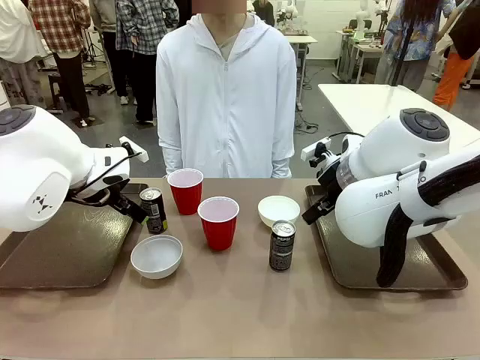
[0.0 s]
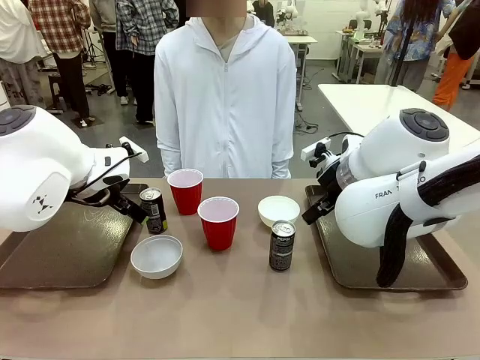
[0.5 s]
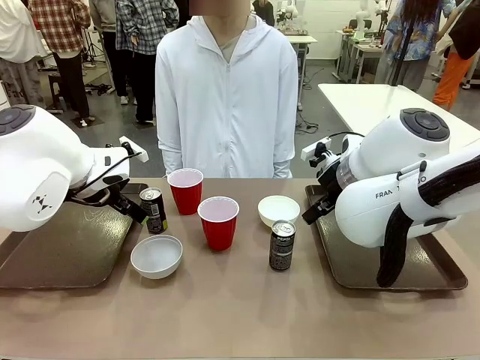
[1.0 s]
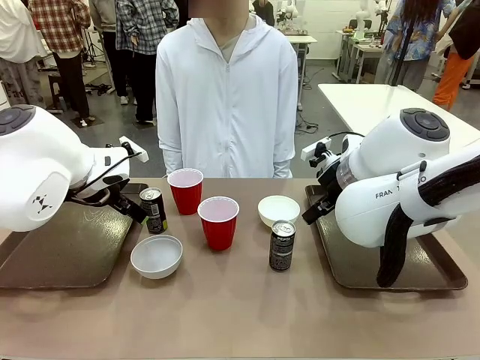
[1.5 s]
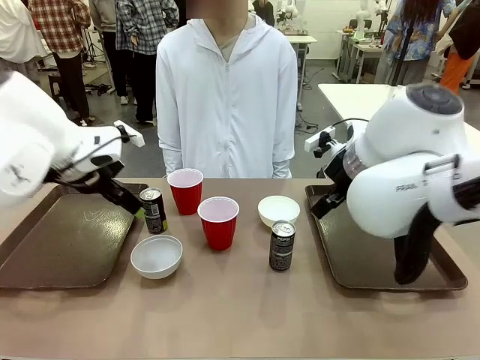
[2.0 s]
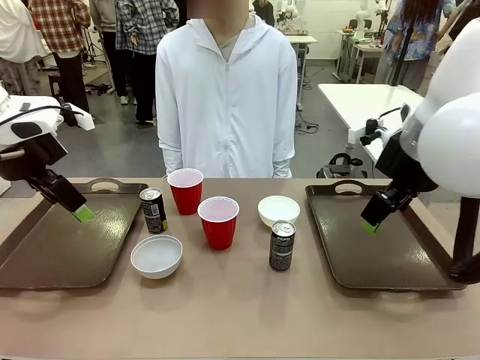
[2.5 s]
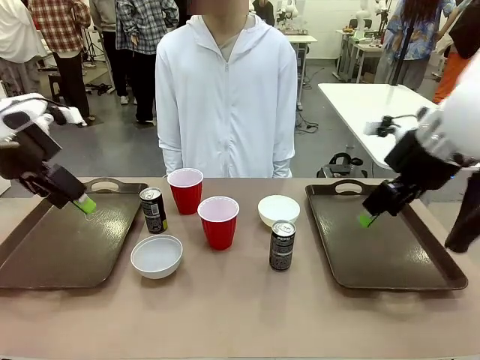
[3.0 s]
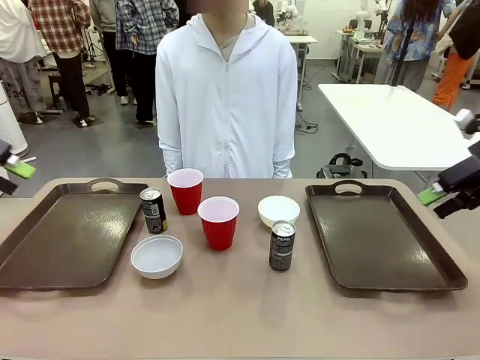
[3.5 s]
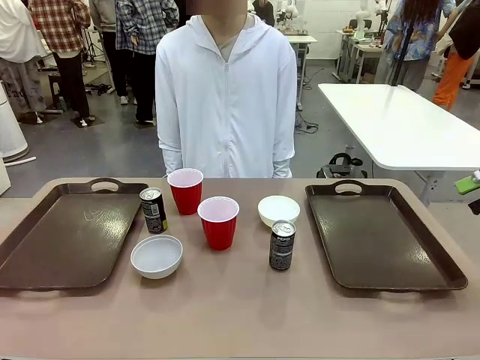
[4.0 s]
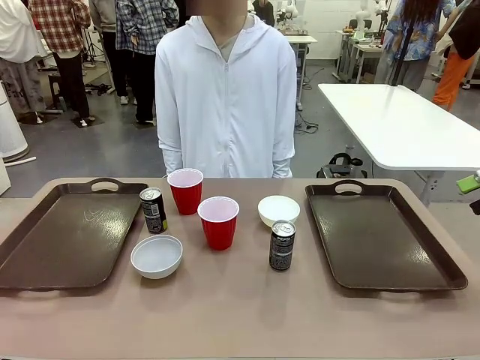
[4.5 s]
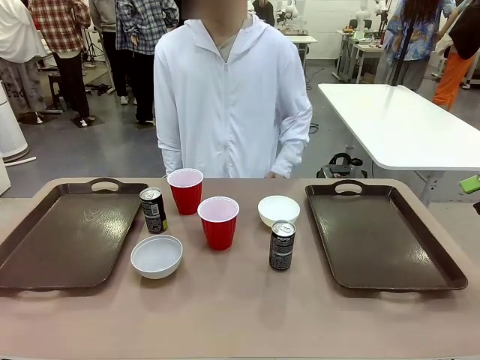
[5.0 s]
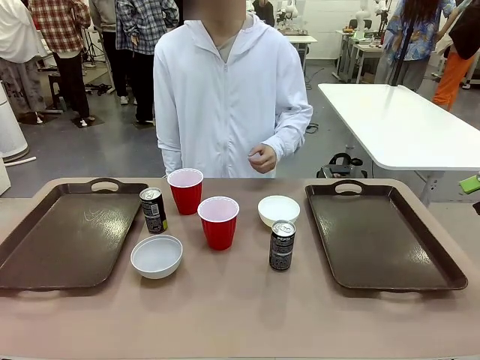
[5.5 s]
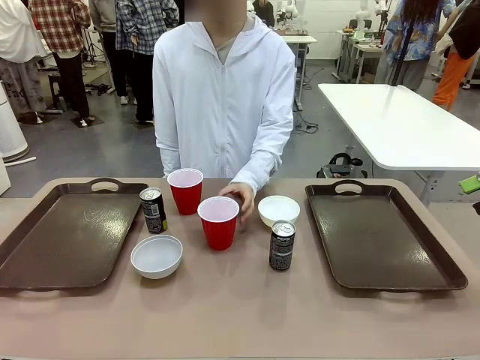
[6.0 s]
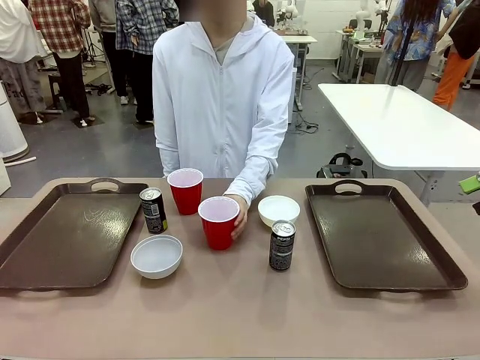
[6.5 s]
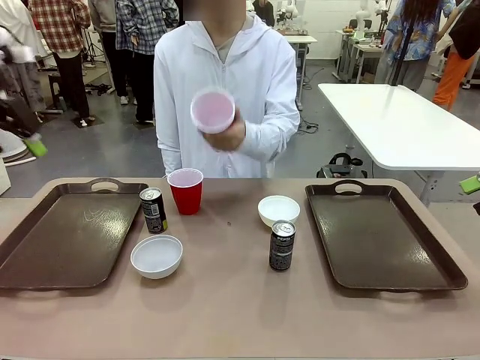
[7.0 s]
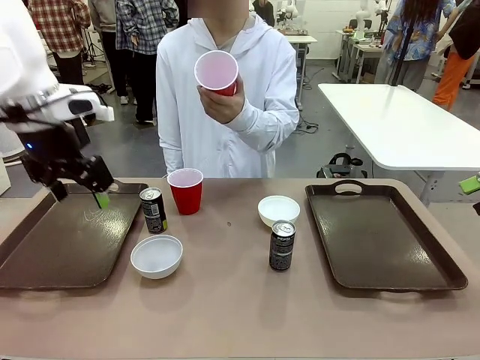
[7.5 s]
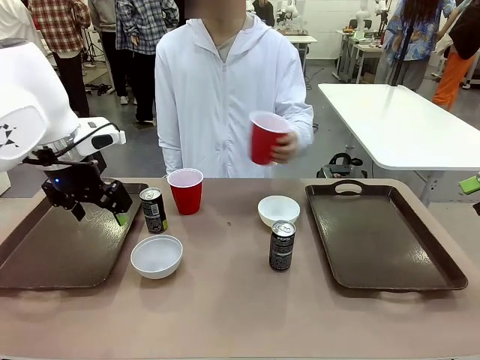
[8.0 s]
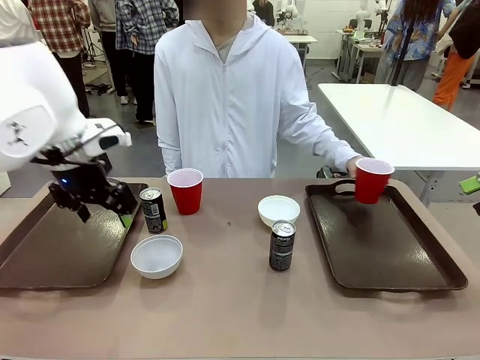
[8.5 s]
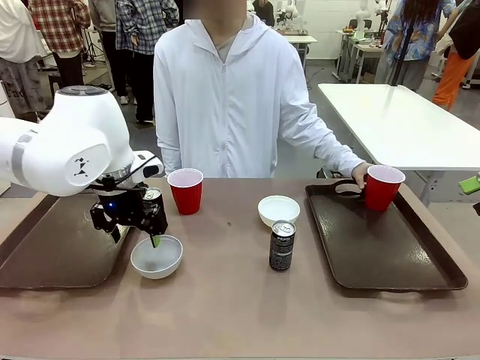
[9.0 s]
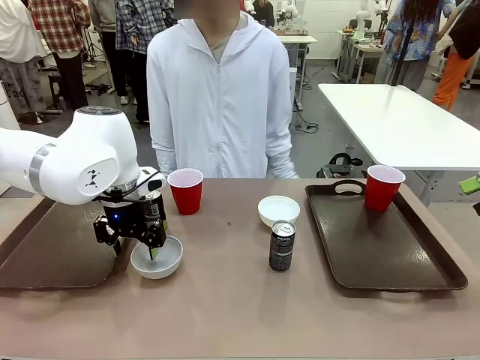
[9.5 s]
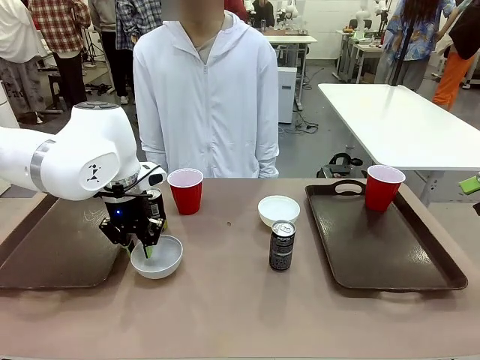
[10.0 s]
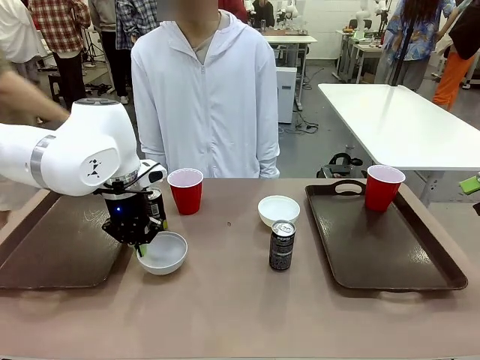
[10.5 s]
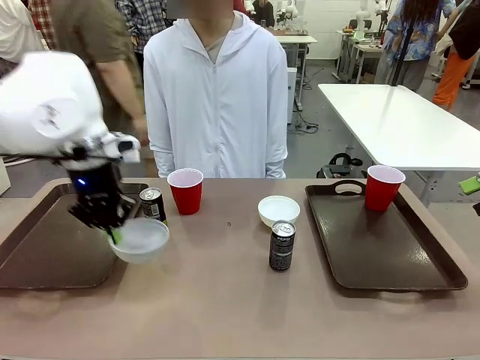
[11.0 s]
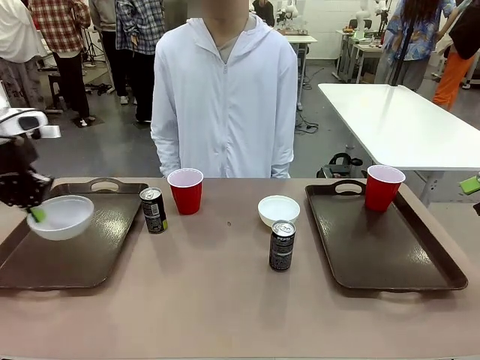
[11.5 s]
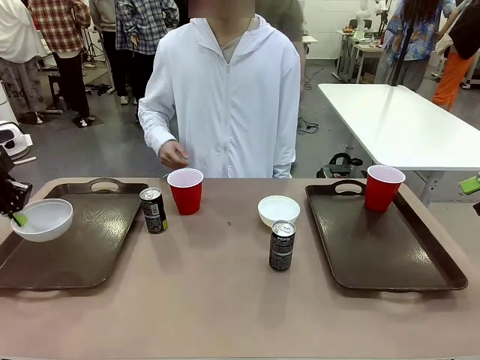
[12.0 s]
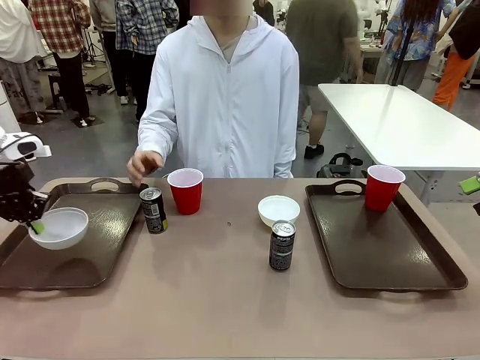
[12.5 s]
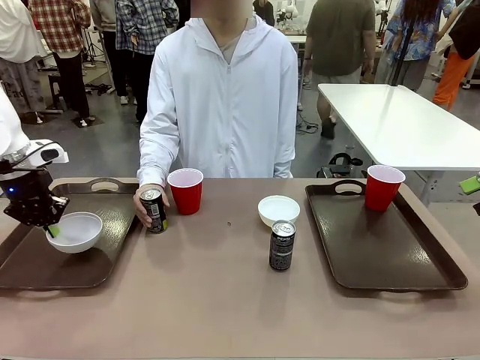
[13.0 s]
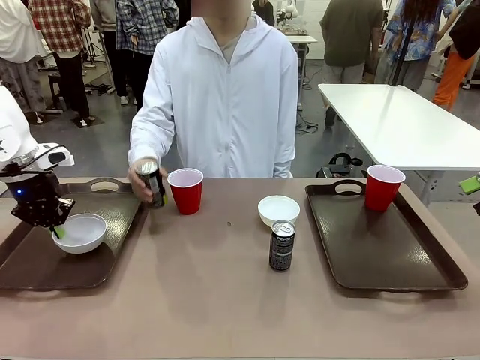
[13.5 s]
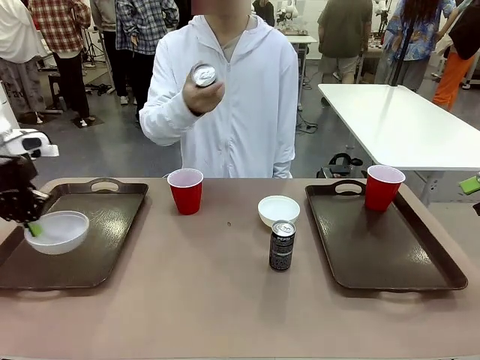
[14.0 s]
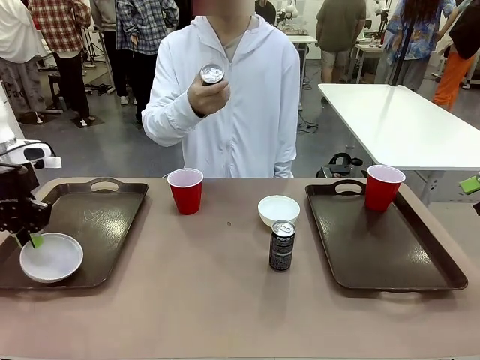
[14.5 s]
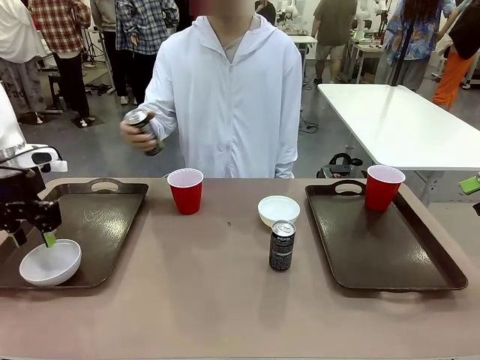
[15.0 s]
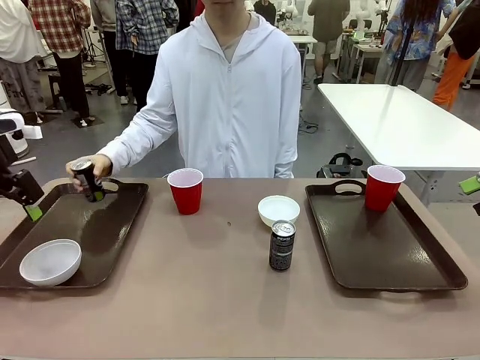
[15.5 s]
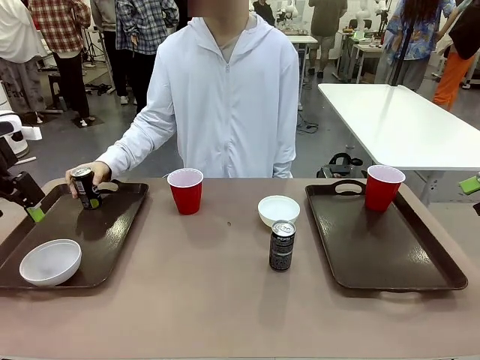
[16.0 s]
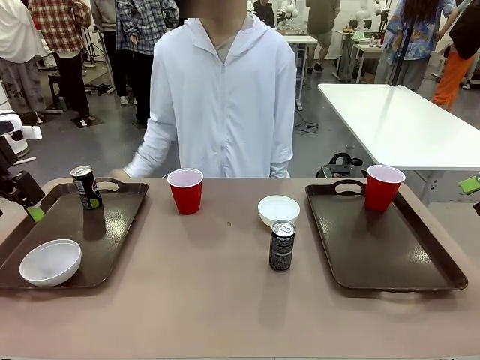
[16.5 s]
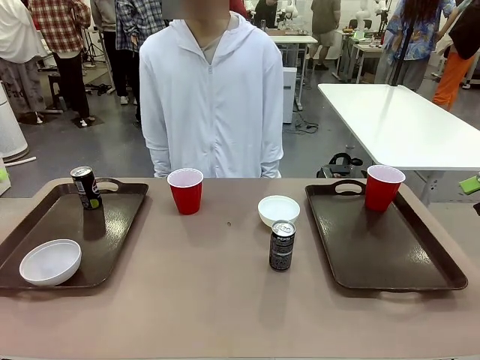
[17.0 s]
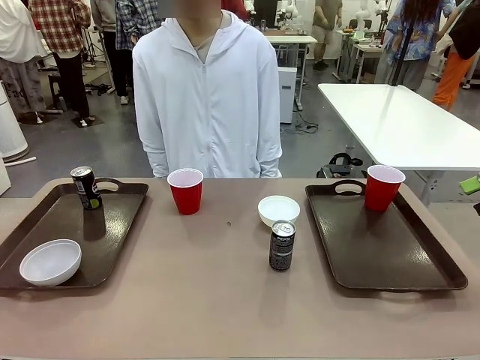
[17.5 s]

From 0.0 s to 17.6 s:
Task: Prepare tableware on both trays.
Robot: Pick up a Picnic Bowl from the table and place it on a Handle tray.
Person: Pick up a can or cup and place it on the tray.
